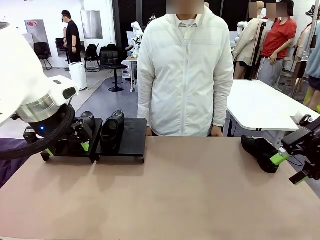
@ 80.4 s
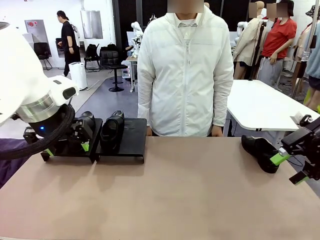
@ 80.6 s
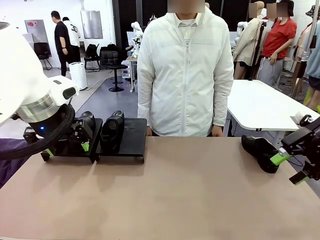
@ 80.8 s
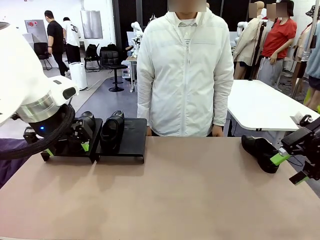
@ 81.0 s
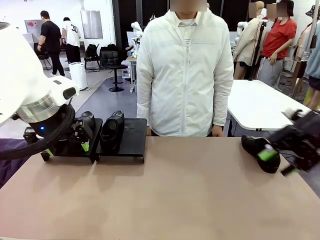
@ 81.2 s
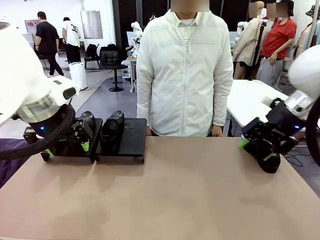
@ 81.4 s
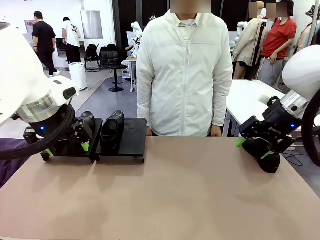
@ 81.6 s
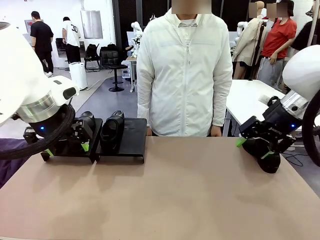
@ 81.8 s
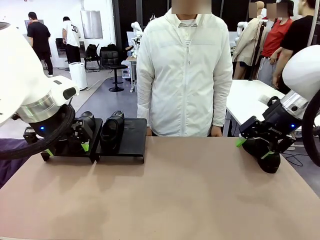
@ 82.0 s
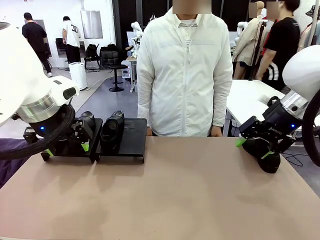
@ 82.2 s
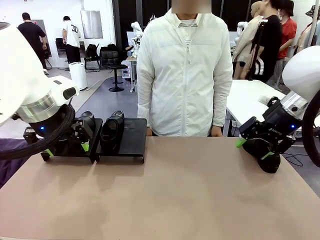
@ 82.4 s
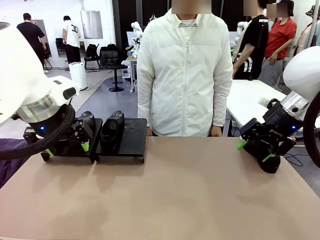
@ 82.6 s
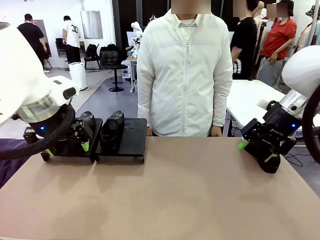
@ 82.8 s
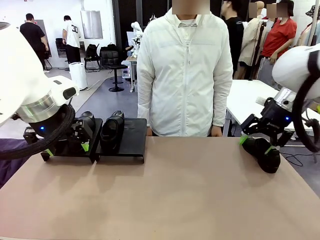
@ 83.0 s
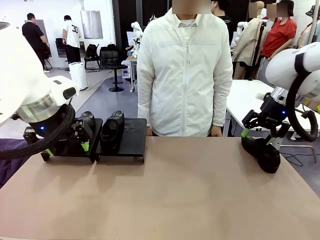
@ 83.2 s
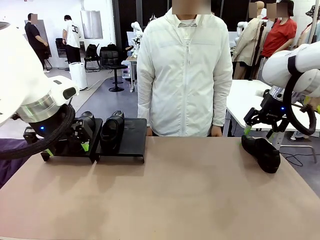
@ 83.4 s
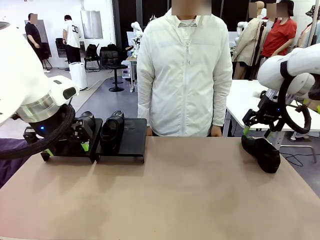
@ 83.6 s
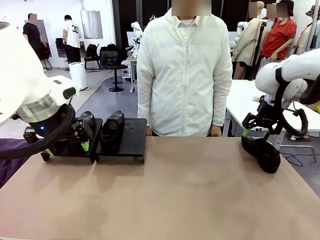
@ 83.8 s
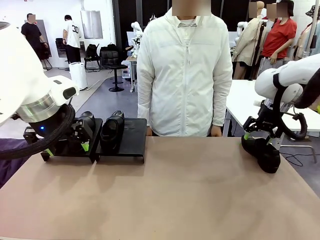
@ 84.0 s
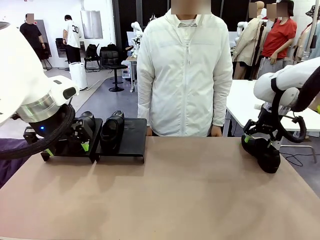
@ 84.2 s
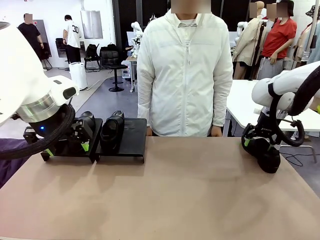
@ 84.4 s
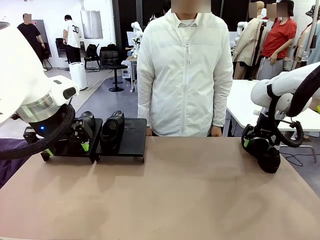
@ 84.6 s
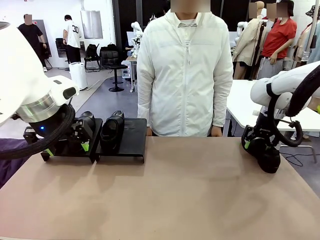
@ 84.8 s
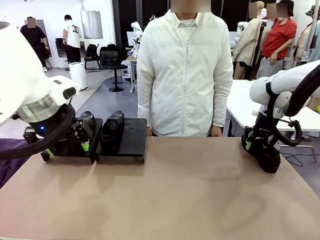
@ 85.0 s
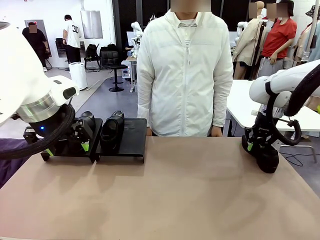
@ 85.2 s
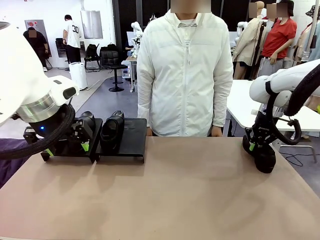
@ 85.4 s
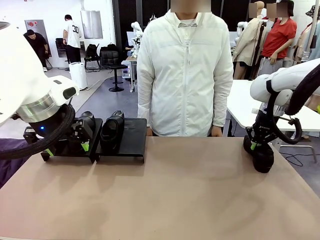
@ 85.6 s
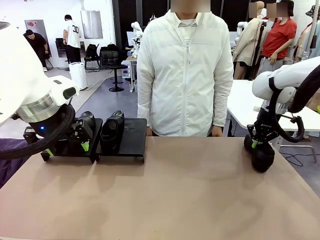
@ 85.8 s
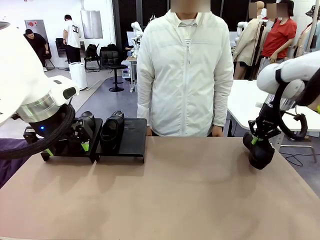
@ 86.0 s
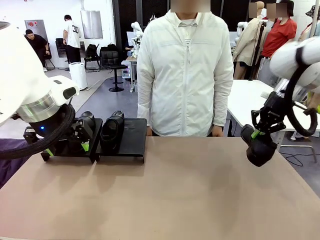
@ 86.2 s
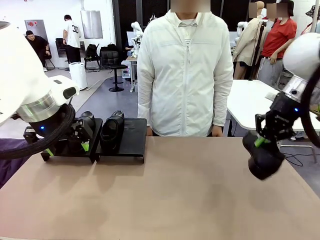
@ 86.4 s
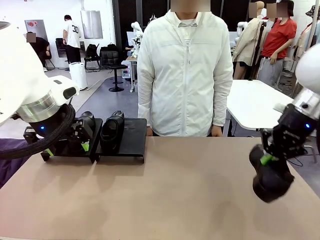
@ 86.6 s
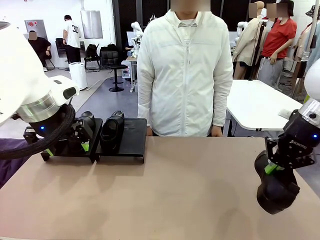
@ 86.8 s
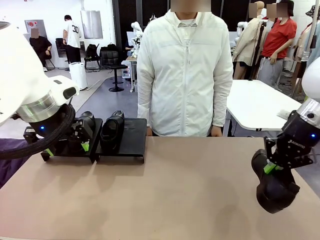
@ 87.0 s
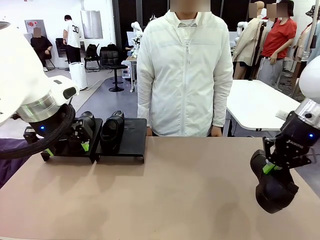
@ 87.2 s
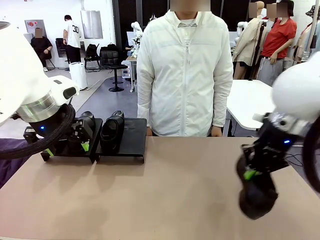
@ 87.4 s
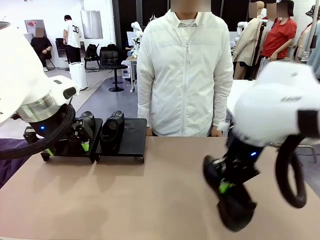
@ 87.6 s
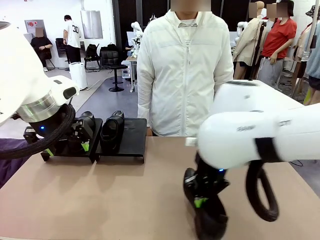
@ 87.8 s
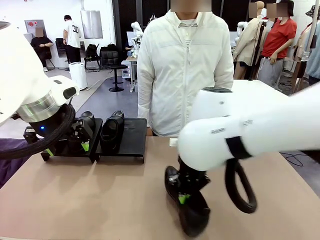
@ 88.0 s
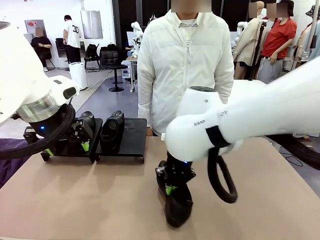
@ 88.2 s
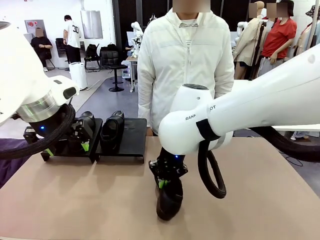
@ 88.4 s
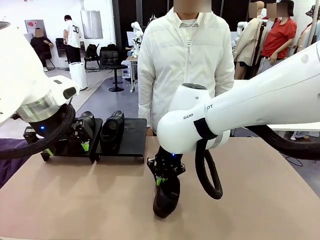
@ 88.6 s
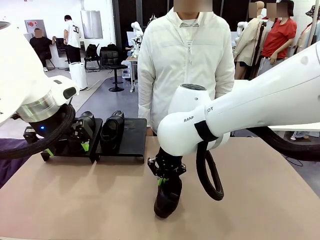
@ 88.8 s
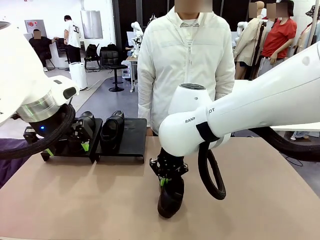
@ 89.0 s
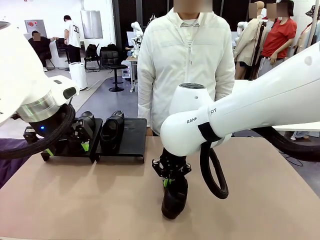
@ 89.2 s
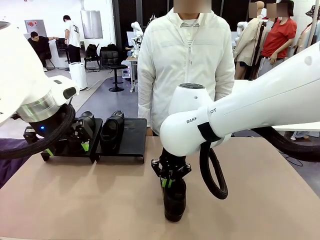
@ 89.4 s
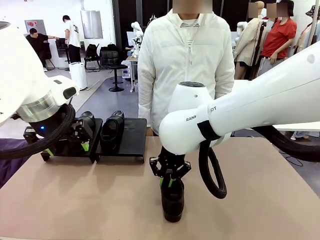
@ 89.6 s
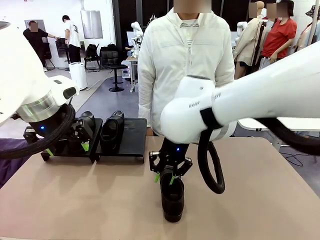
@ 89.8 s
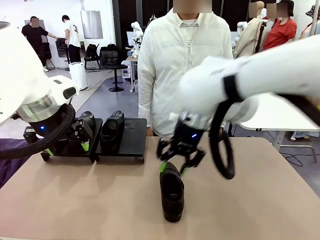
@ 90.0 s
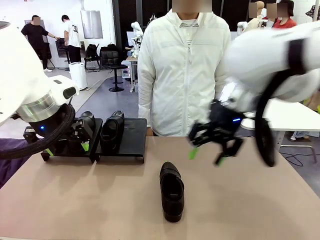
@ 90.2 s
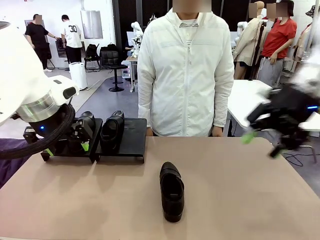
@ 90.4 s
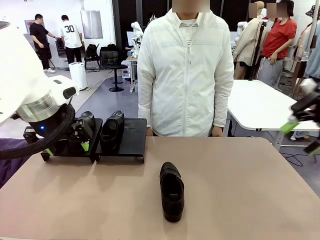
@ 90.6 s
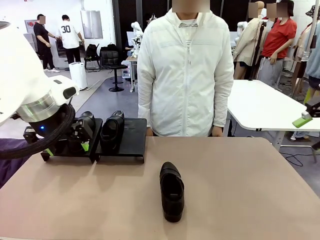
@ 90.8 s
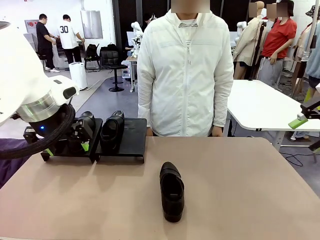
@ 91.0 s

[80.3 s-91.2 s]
Task: Organize the shoes by placing them on the stand.
Robot: Pick up one Shoe and place it in the middle of the table.

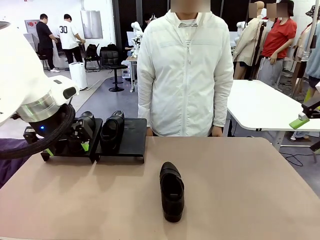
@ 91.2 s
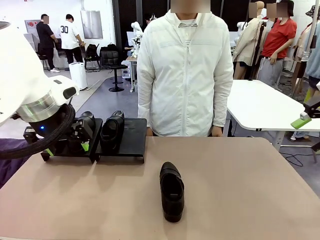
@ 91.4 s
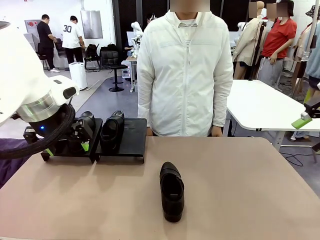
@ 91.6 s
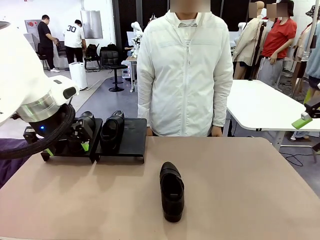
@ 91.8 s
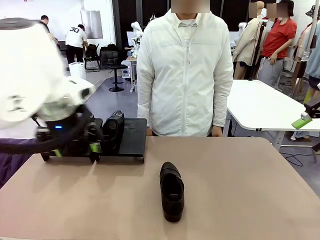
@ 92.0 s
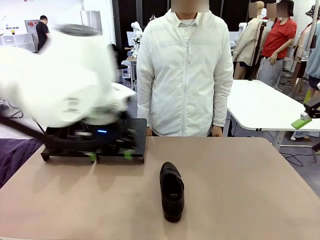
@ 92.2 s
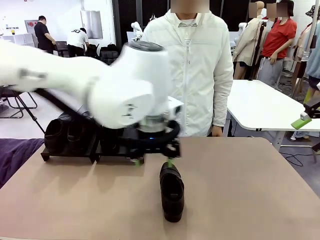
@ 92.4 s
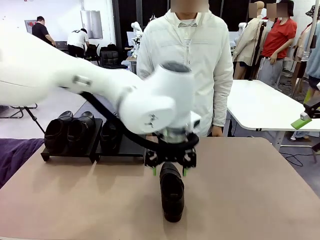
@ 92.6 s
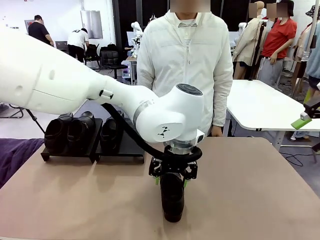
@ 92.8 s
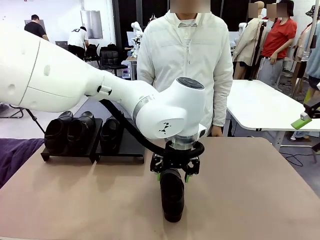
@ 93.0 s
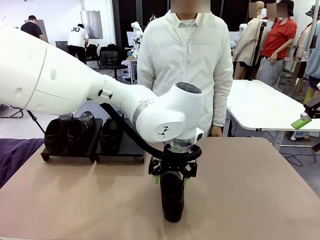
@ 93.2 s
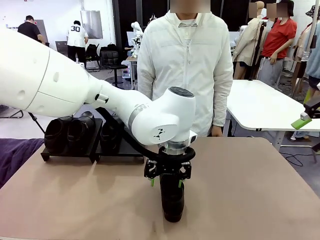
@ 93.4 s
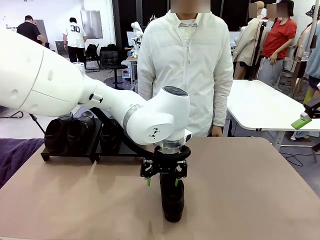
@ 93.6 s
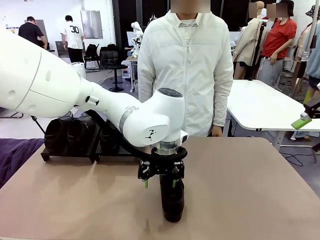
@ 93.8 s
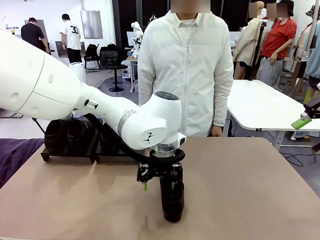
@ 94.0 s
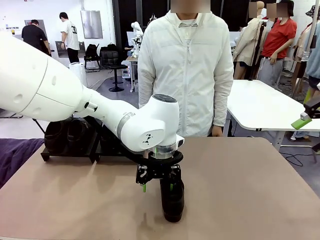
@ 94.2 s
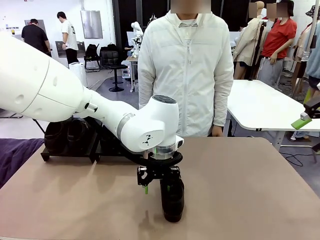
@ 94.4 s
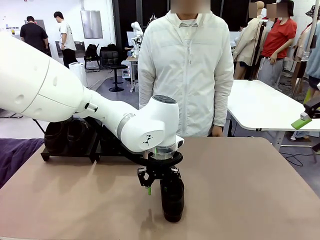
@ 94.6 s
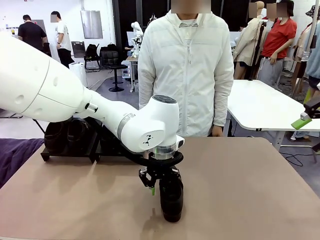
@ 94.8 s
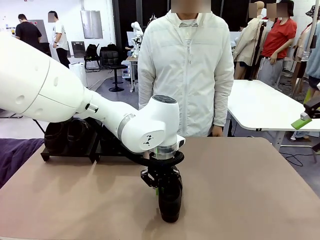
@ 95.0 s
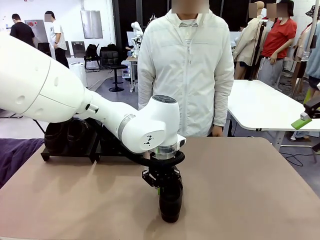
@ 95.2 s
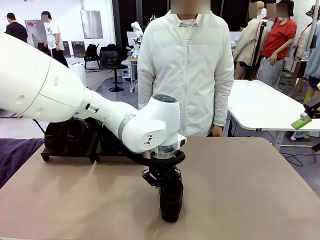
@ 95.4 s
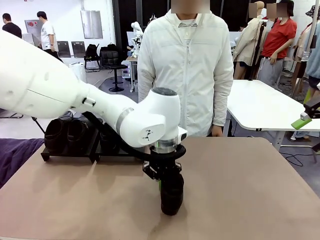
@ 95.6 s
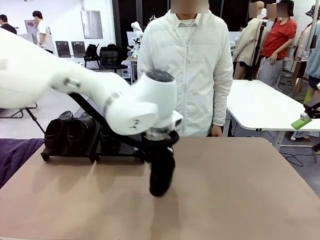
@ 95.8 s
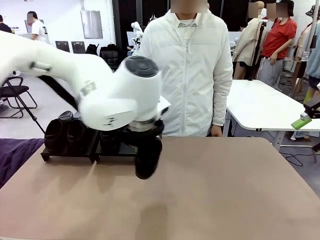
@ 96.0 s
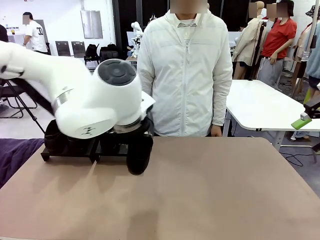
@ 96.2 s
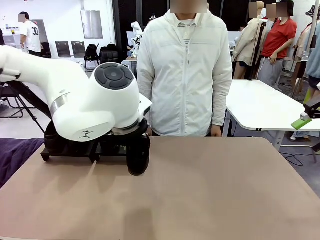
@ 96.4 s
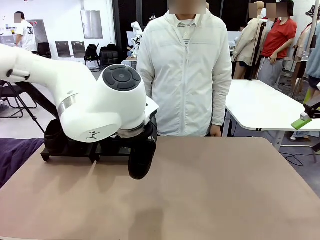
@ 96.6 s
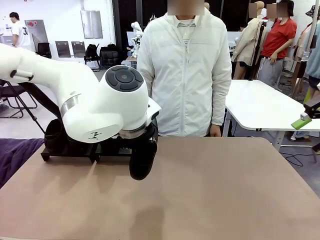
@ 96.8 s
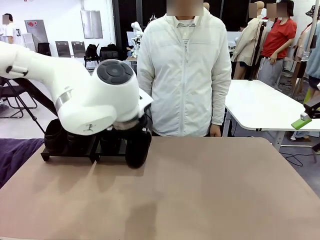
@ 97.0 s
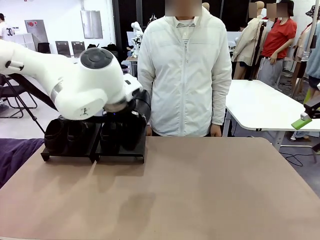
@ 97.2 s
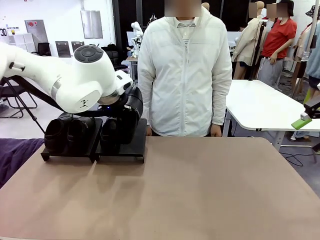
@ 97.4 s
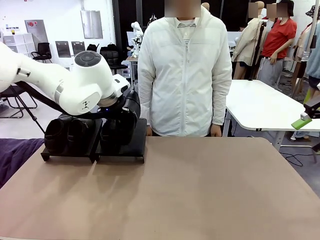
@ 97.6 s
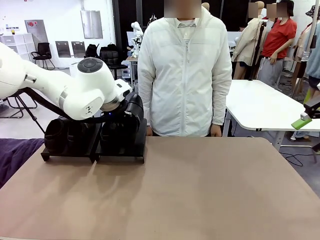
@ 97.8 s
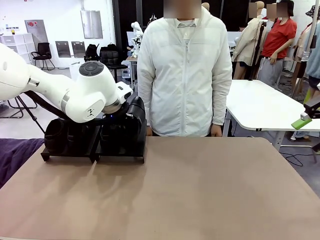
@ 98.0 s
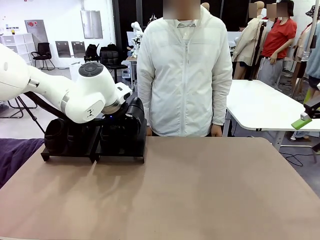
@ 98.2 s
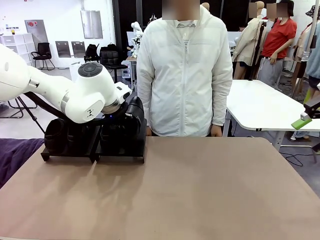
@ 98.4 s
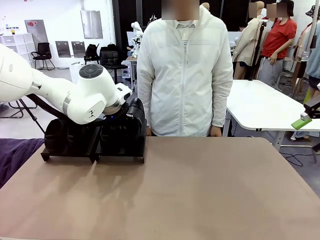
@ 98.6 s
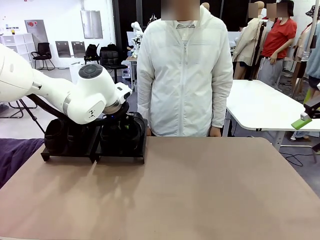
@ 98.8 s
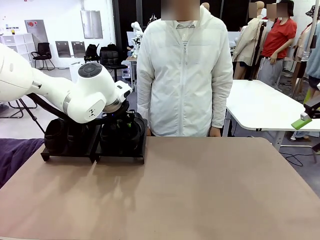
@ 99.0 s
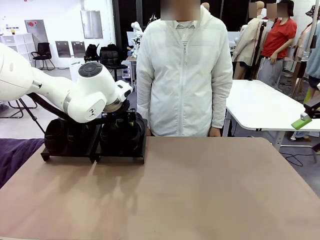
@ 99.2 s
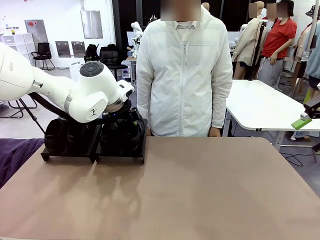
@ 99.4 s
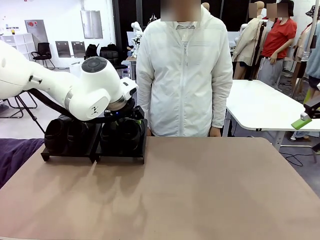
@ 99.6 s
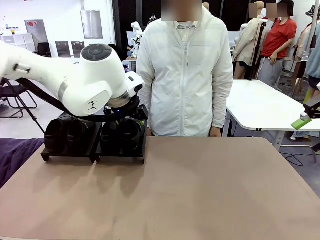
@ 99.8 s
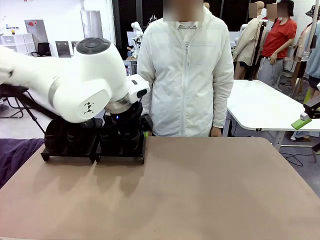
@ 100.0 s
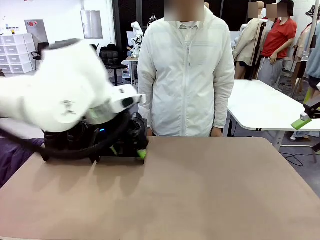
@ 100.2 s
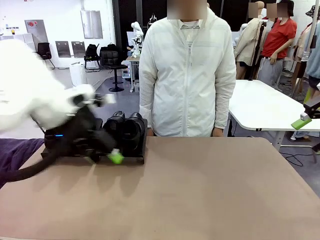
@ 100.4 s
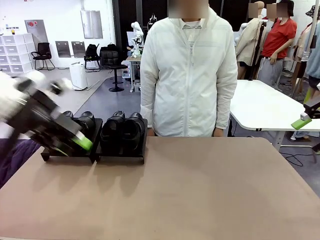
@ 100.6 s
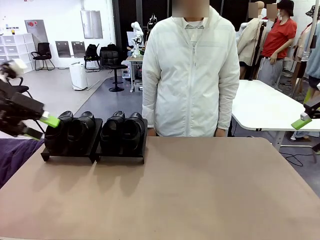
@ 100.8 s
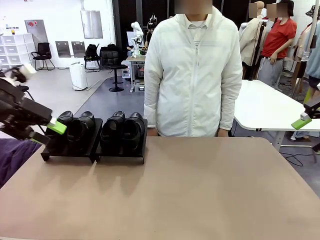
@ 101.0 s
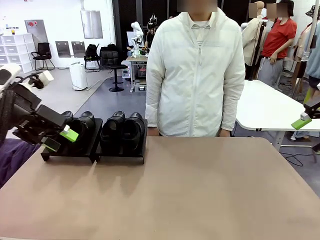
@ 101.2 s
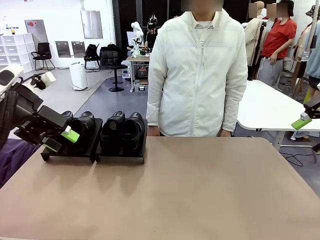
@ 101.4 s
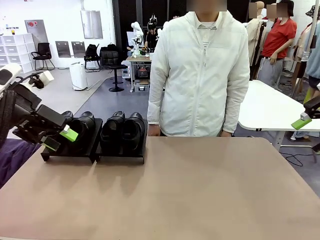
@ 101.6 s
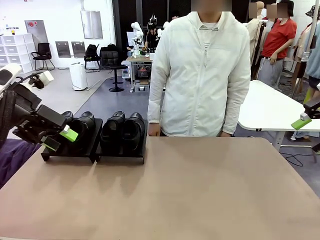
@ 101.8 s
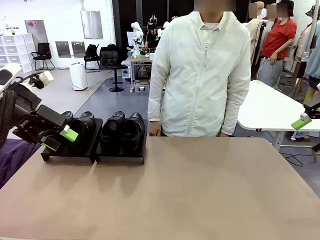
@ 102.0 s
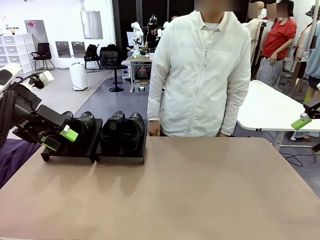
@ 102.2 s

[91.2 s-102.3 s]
Robot: Place the Shoe from the middle of the table onto the Shoes Stand.
